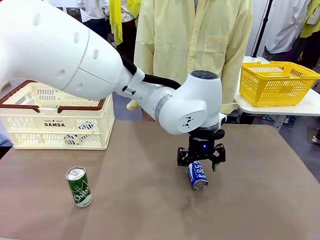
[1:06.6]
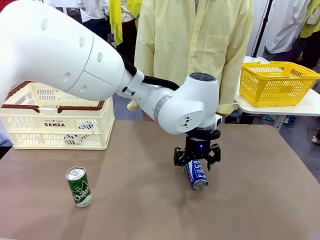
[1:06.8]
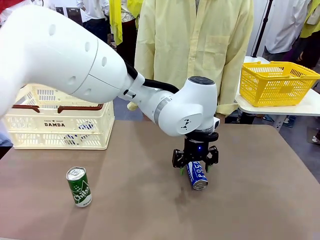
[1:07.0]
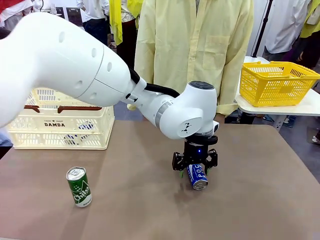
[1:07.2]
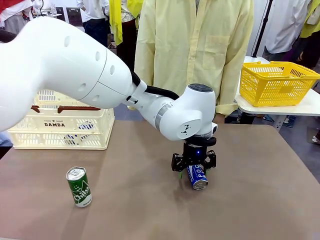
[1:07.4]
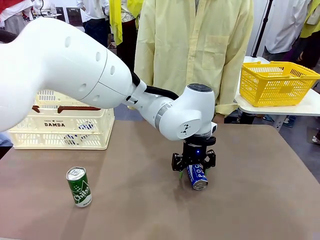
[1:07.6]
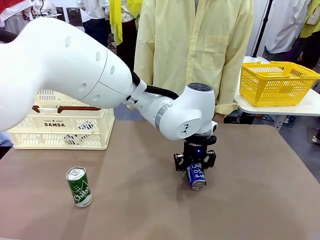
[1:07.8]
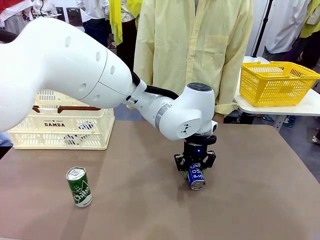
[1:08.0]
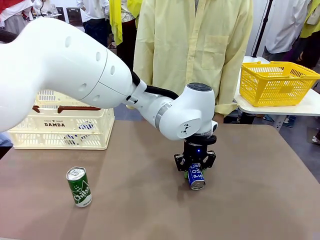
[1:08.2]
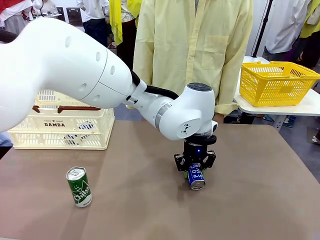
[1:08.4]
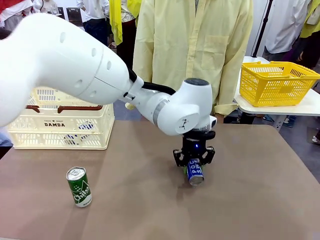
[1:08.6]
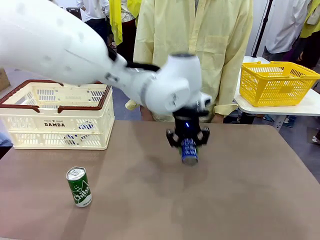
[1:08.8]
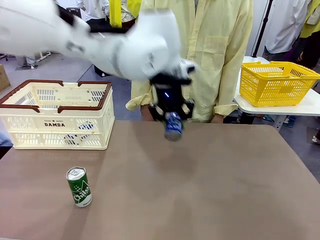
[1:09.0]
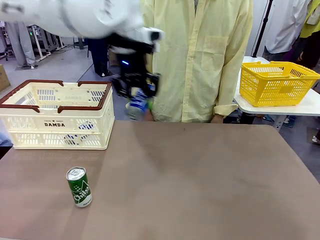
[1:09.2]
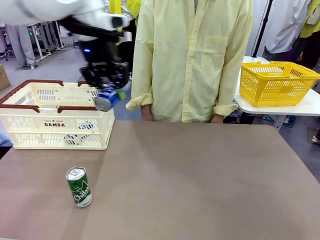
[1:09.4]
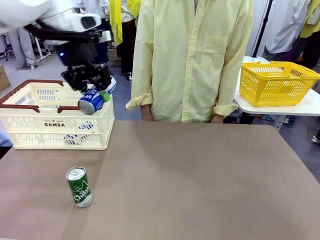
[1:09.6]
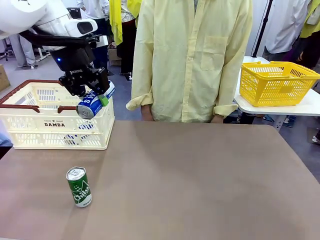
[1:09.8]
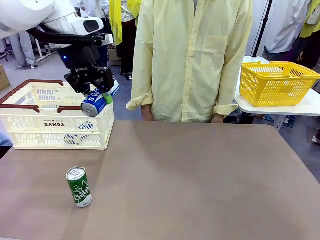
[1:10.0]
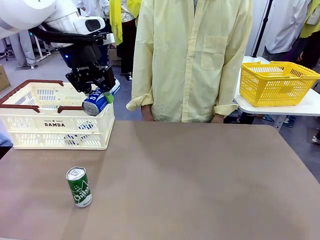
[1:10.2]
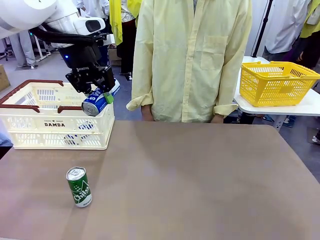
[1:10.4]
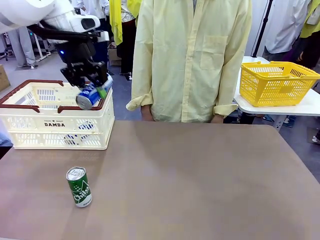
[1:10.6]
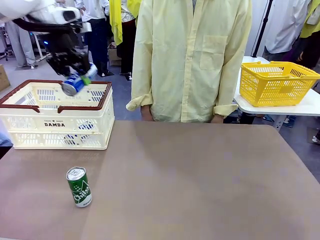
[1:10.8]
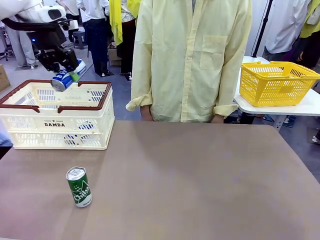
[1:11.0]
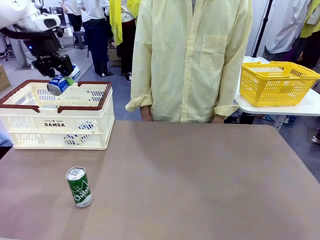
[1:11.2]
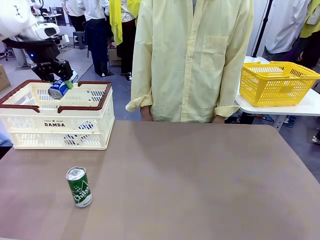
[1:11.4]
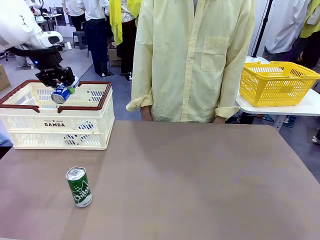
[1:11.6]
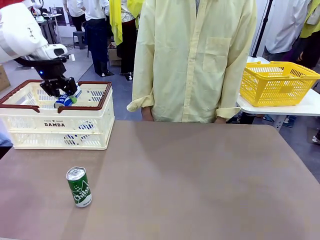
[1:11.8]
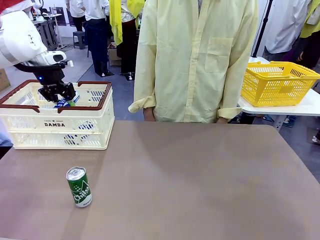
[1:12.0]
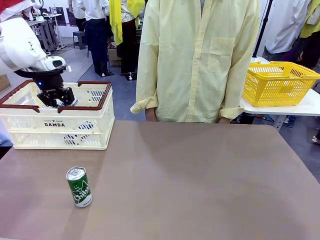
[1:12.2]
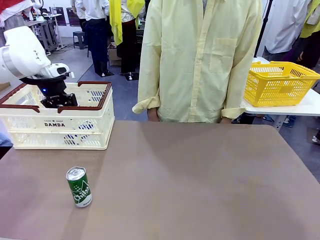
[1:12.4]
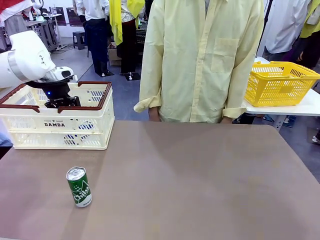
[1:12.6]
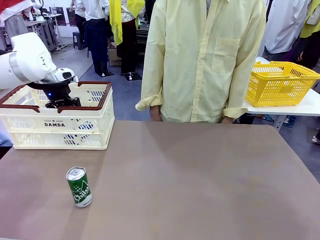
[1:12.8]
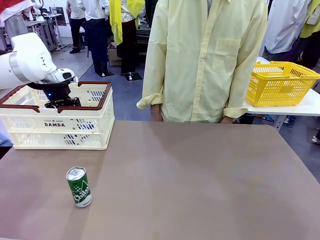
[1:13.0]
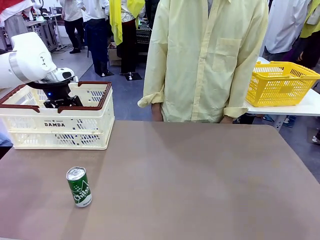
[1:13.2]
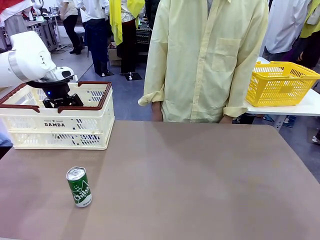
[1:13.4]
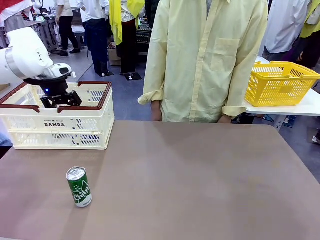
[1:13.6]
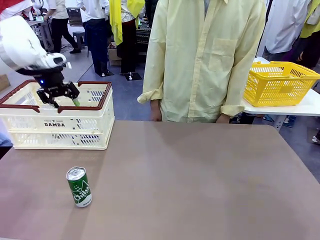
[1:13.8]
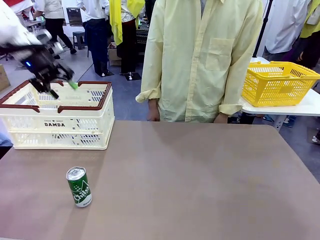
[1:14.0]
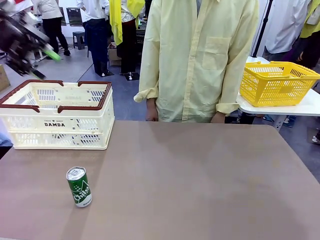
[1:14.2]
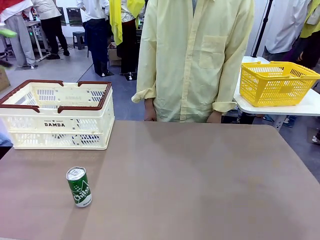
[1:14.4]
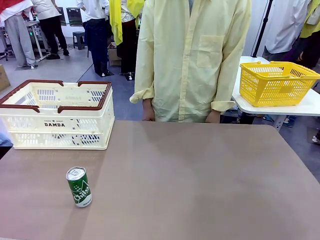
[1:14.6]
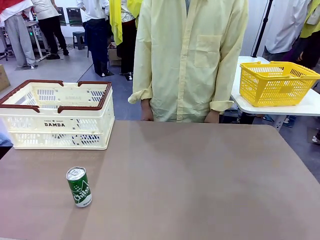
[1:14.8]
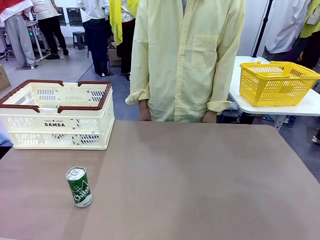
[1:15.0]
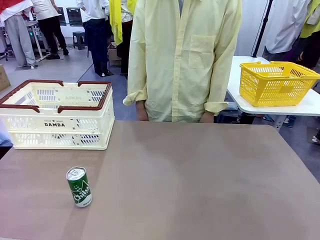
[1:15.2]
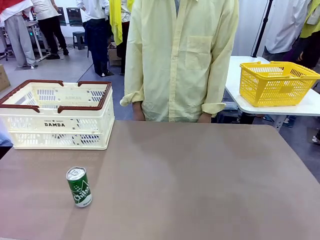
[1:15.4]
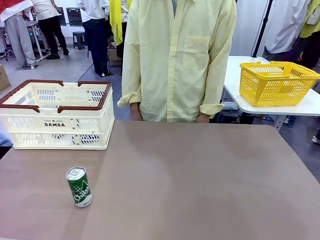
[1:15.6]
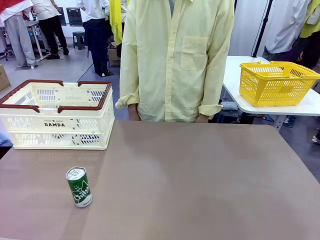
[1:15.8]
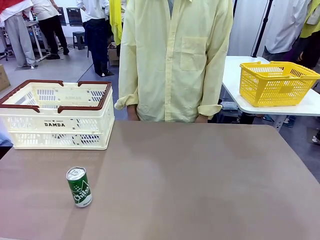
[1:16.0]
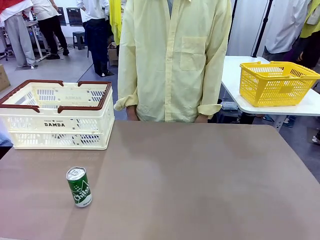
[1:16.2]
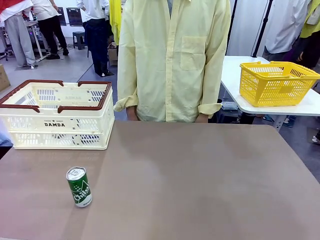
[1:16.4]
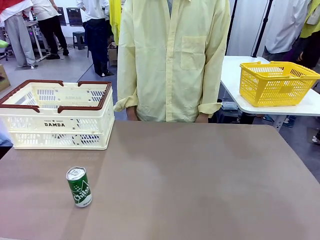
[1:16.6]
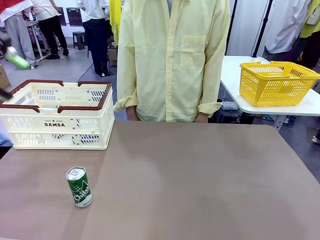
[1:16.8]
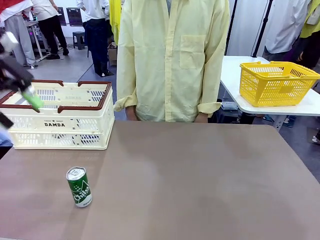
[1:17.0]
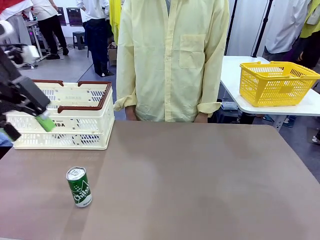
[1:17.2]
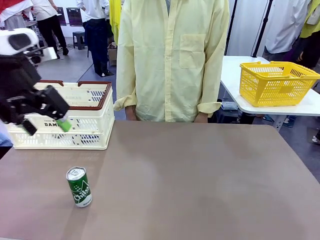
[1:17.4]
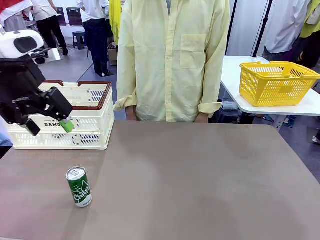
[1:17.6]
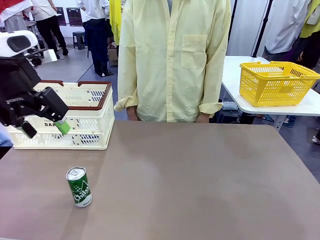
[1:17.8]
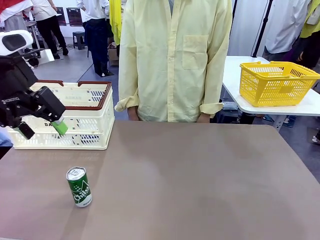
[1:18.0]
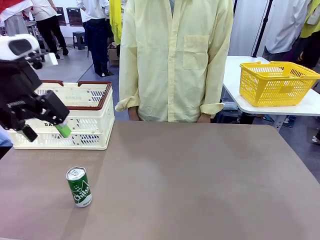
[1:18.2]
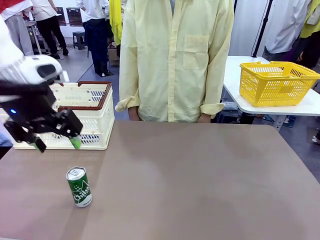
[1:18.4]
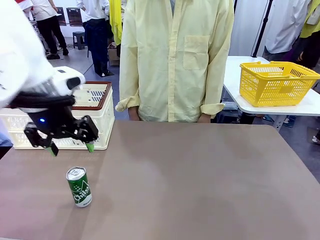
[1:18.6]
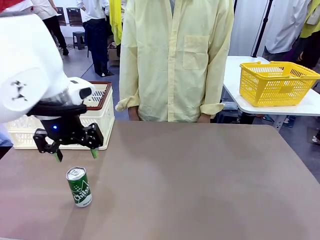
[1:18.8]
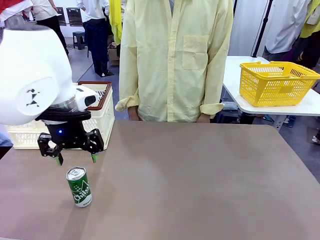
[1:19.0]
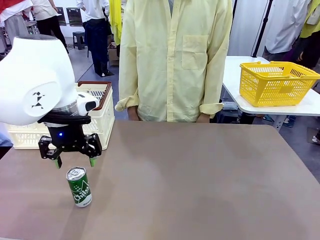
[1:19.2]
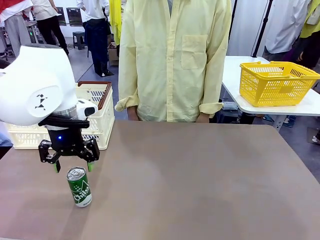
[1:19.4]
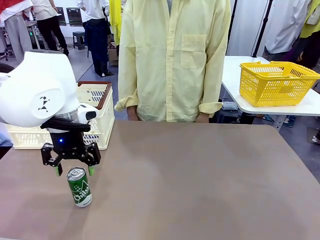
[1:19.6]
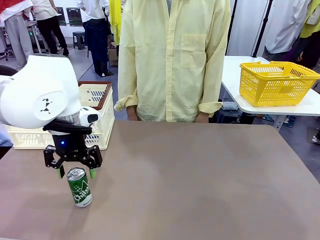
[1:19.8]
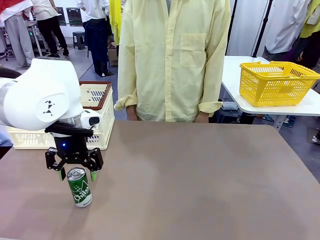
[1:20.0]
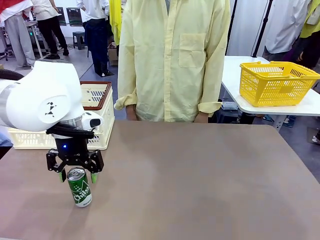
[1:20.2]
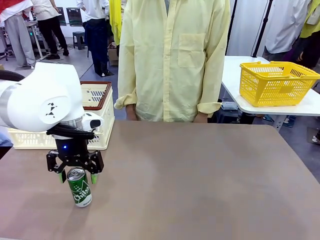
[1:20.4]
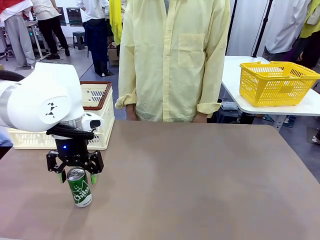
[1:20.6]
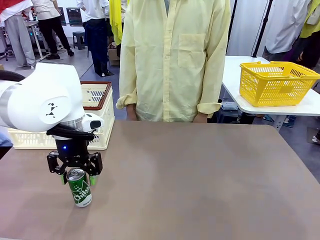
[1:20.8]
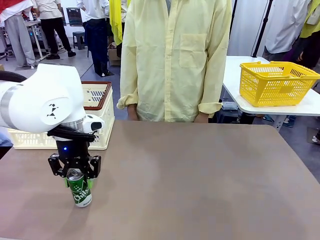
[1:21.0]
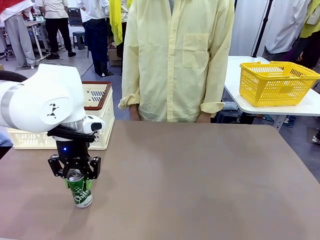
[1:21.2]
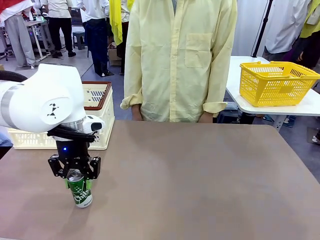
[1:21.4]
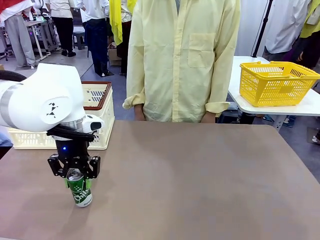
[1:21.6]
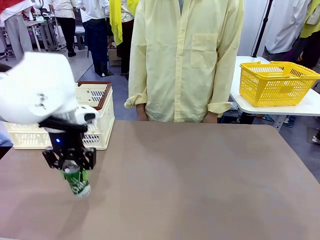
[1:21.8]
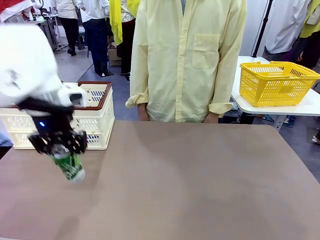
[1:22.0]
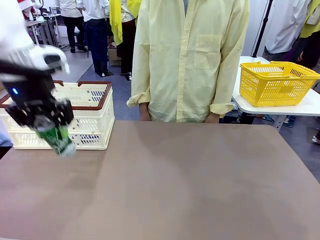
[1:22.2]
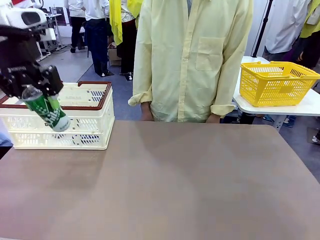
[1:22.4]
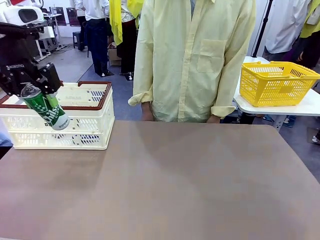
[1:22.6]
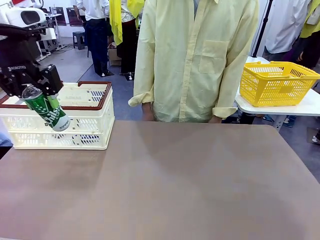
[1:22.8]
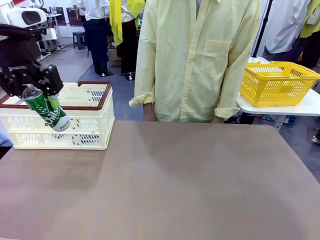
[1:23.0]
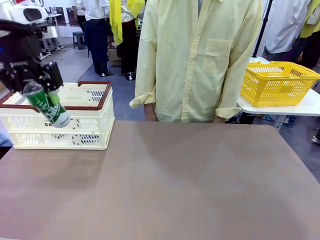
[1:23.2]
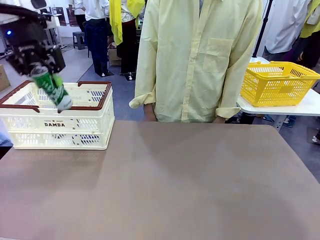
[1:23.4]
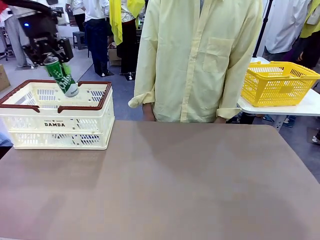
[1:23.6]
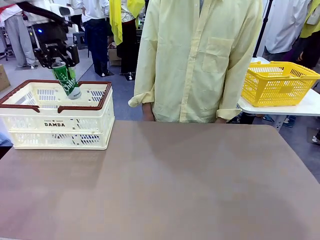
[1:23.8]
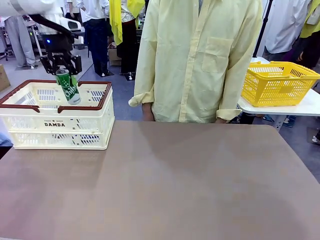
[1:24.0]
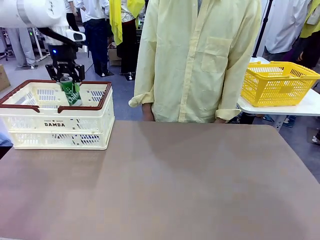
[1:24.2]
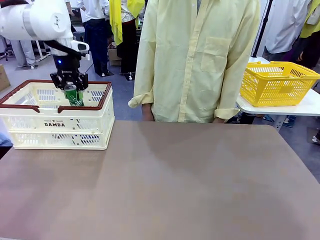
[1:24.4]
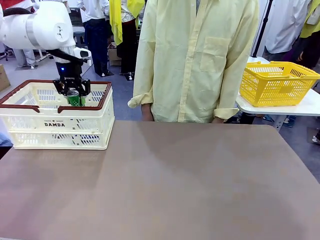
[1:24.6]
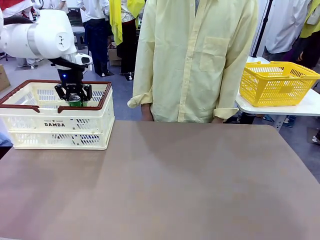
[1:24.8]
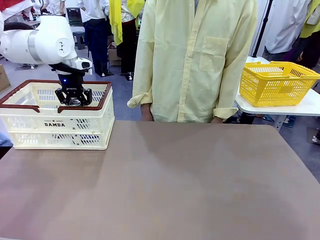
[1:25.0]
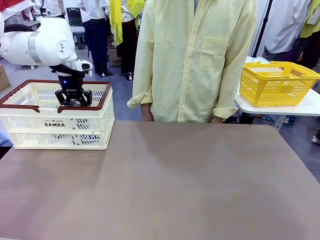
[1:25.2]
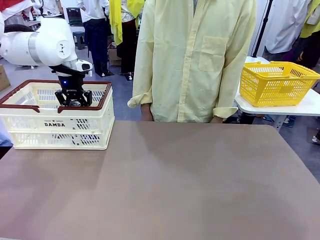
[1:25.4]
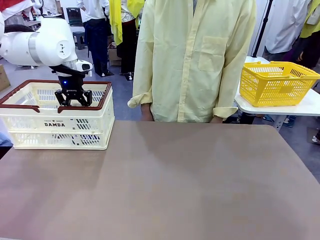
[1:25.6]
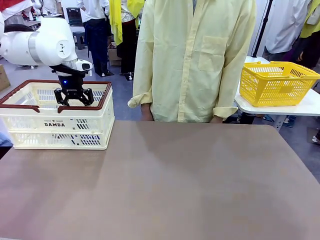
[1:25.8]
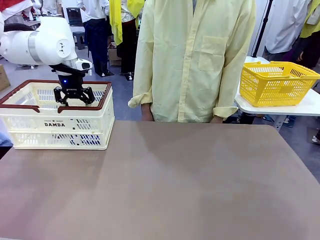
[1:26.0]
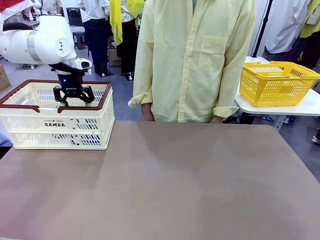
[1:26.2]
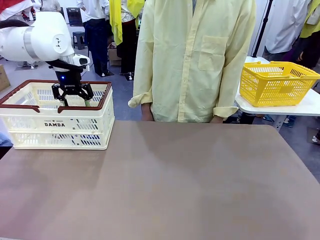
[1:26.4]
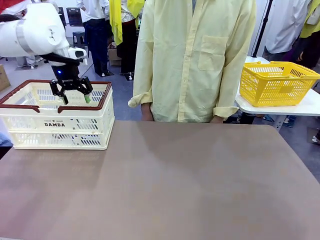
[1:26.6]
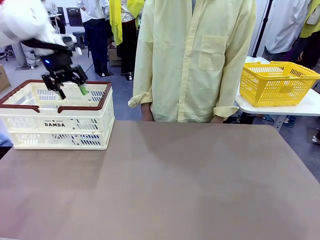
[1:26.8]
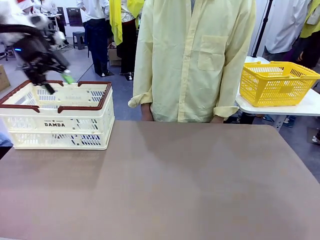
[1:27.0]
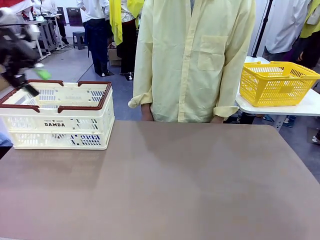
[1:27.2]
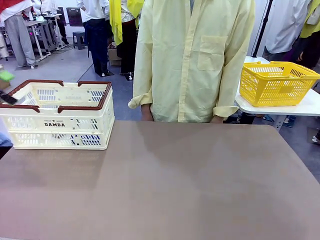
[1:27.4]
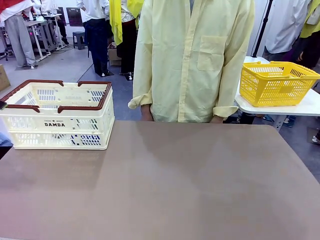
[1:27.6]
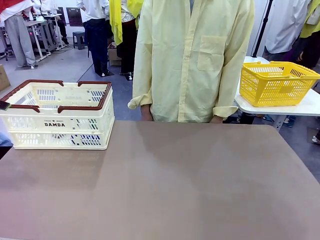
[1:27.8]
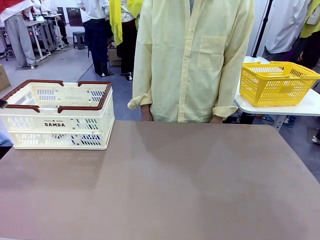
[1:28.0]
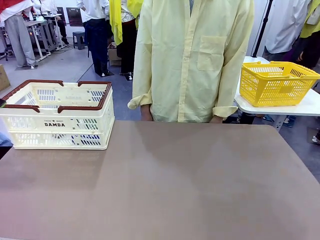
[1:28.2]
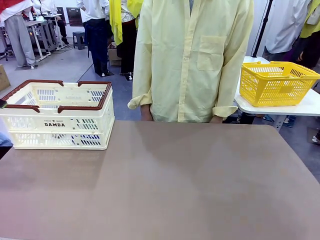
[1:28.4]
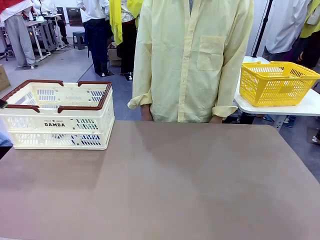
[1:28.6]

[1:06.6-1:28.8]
Task: Place the drinks into the Shopping basket.
Robot: Pick up one drink and place it into the Shopping basket.
